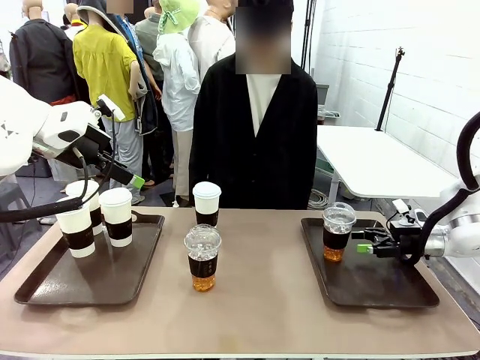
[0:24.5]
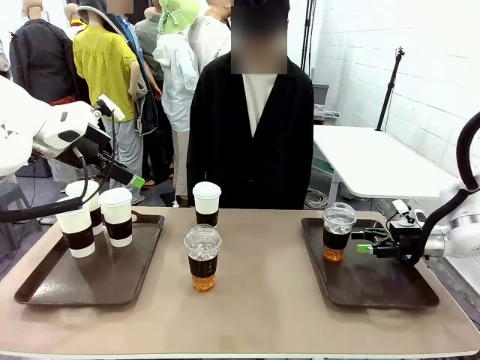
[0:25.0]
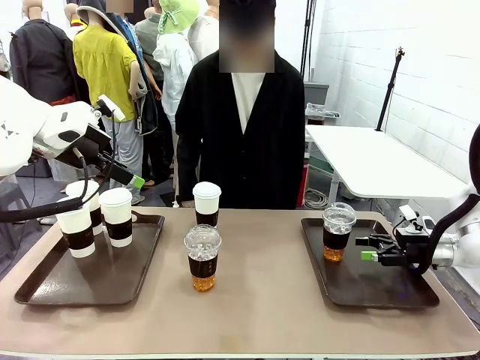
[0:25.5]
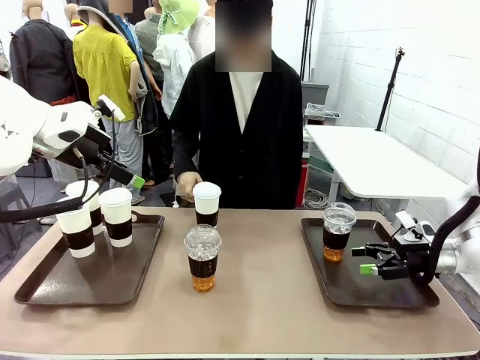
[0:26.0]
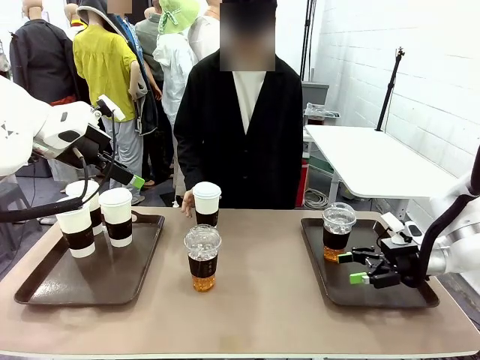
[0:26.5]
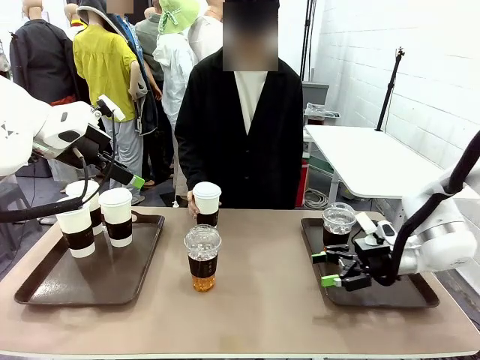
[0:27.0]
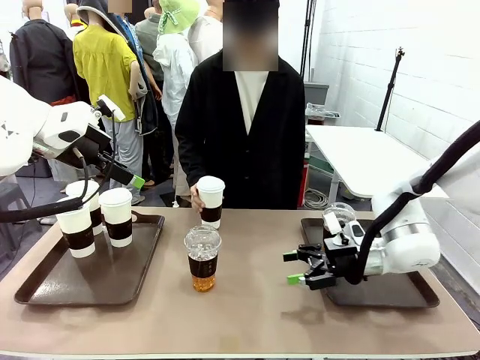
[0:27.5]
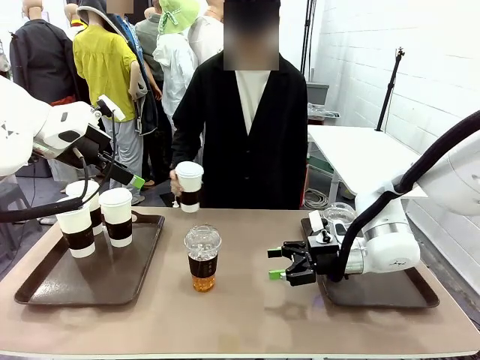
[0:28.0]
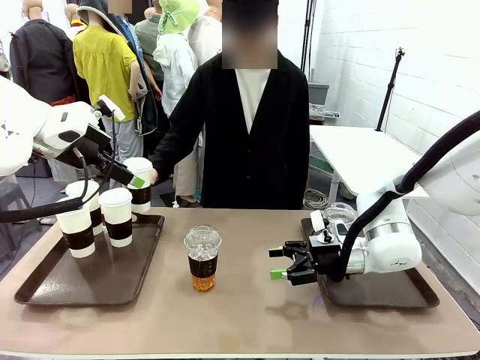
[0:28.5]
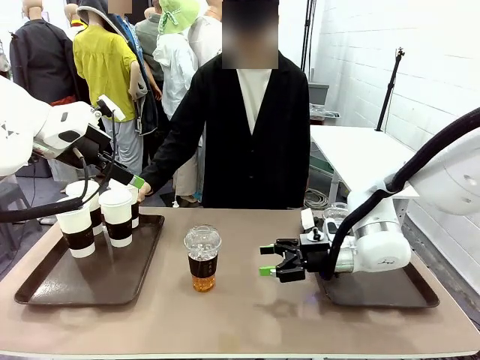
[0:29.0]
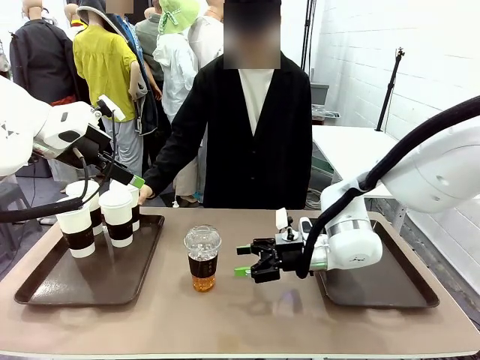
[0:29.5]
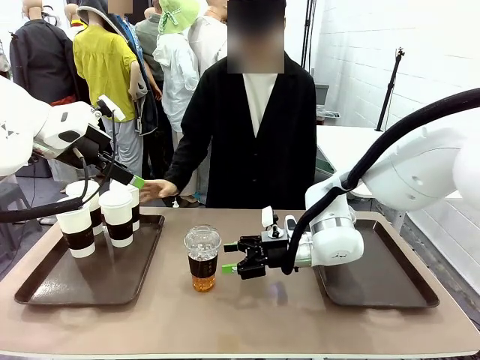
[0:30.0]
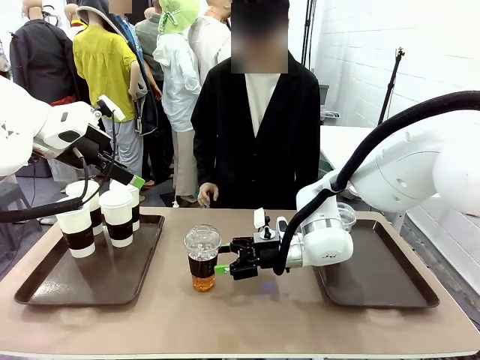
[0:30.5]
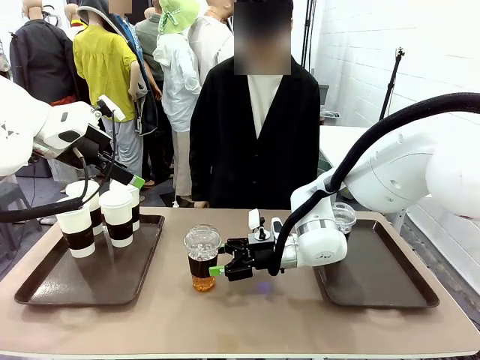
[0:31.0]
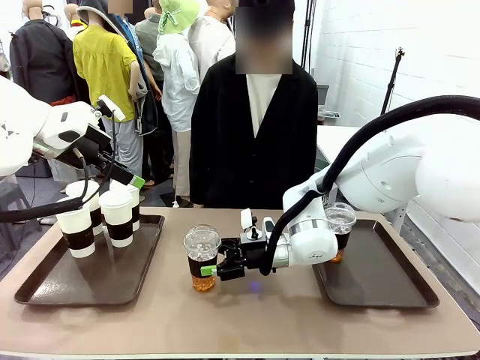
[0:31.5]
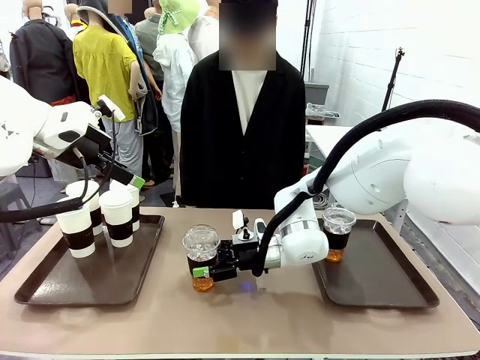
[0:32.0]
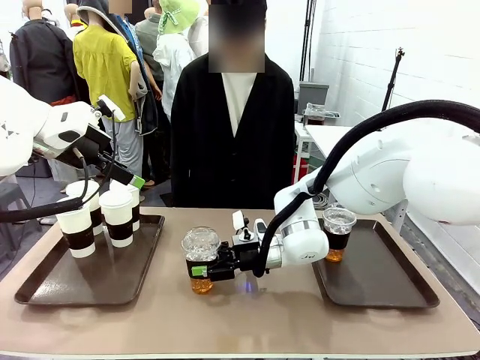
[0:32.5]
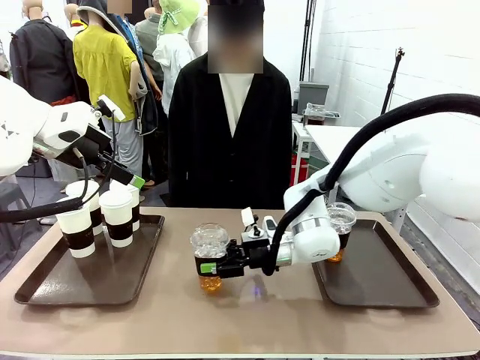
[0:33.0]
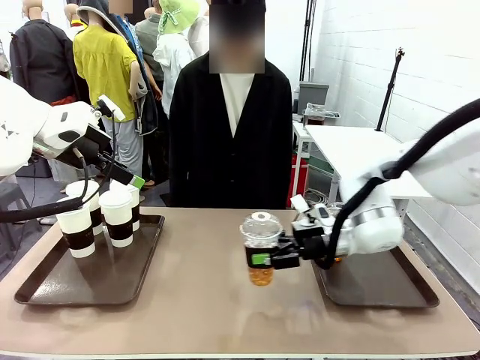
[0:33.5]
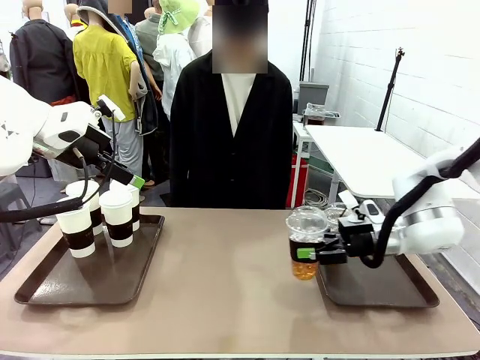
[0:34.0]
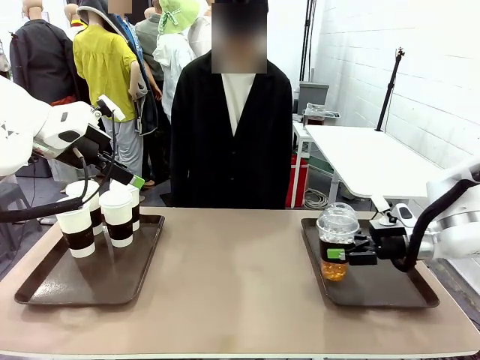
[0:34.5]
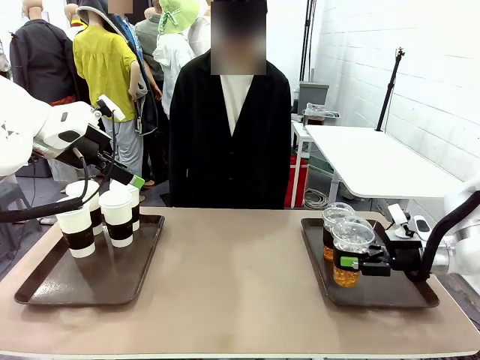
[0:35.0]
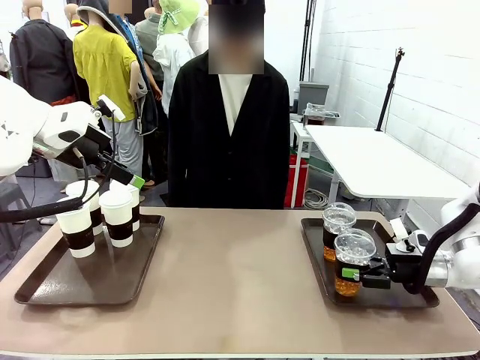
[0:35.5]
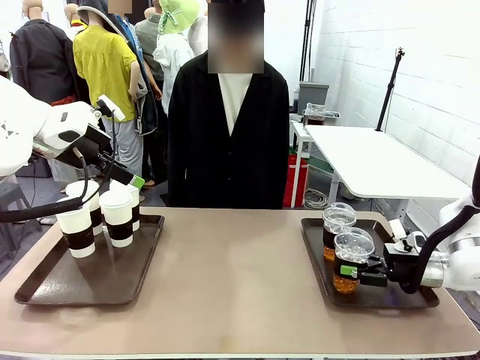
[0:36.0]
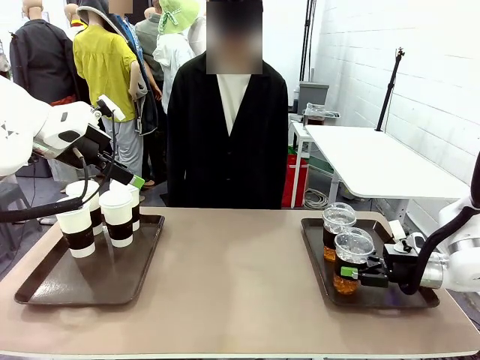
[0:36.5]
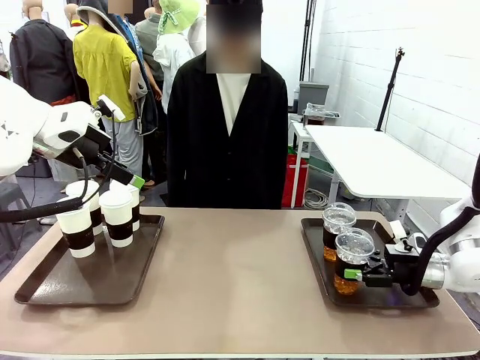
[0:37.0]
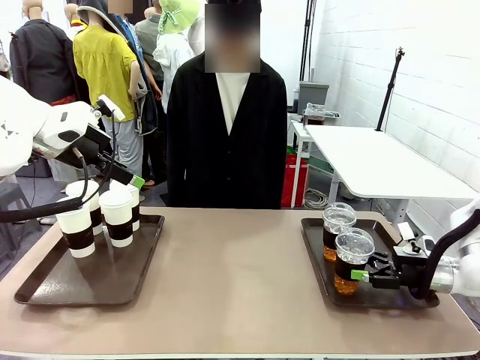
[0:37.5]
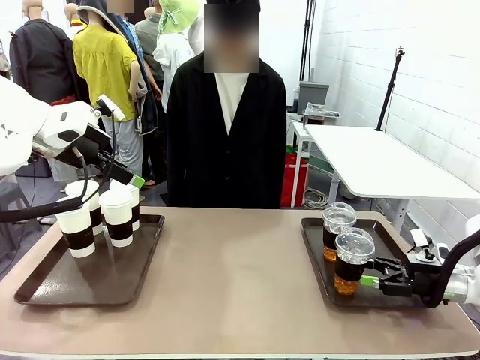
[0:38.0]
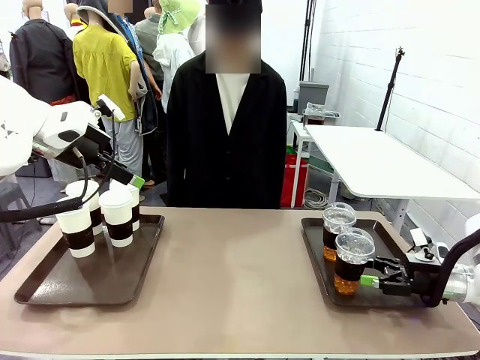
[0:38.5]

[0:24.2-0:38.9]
Task: Distribute the coffee onto the tray.
Robot: Pick up another iced Americano from the middle of the table and place it on the right Handle tray.

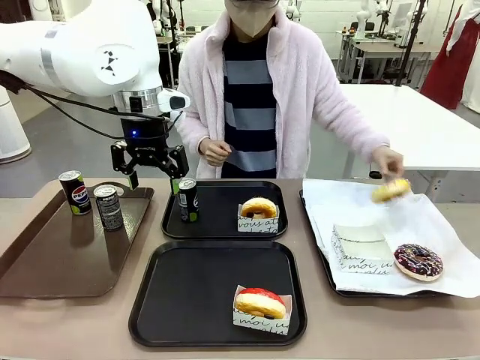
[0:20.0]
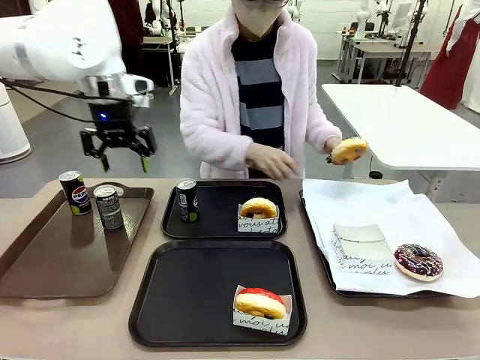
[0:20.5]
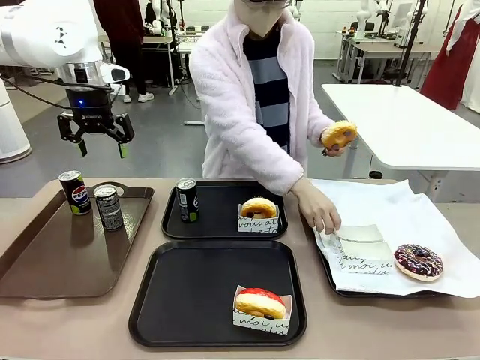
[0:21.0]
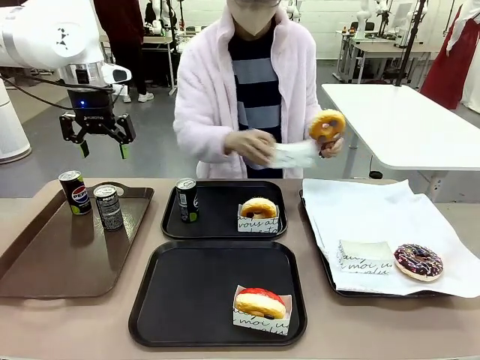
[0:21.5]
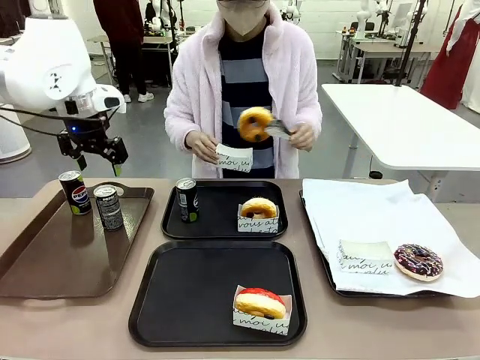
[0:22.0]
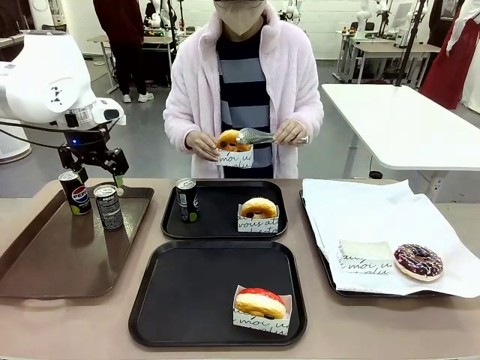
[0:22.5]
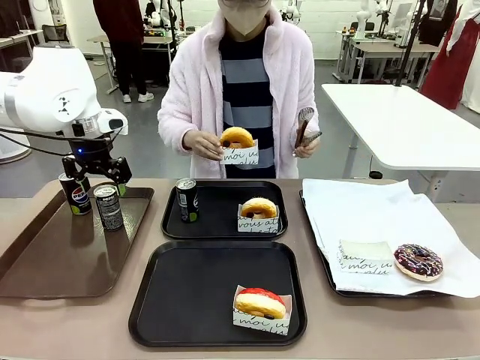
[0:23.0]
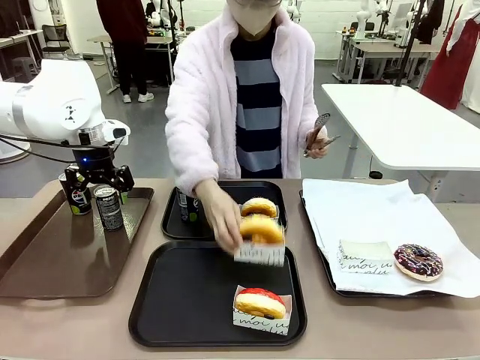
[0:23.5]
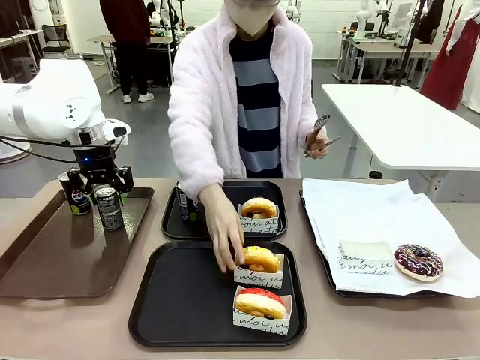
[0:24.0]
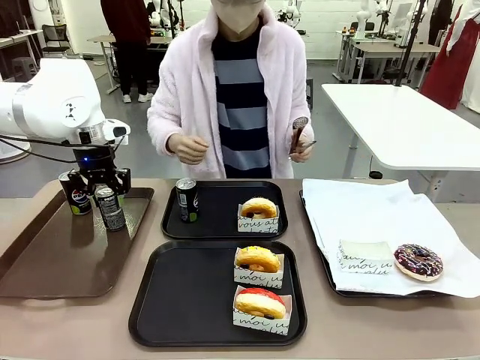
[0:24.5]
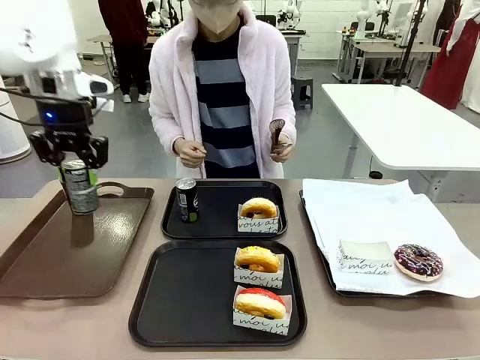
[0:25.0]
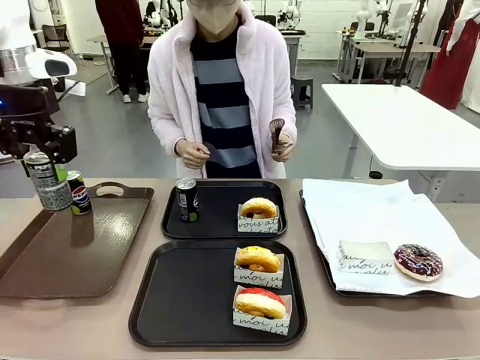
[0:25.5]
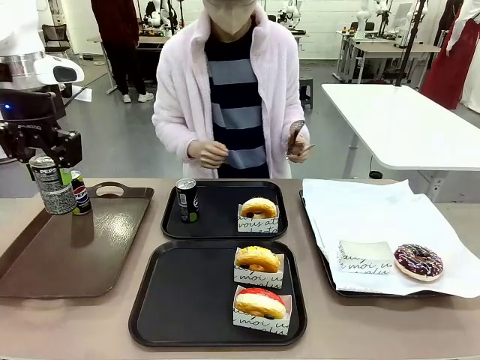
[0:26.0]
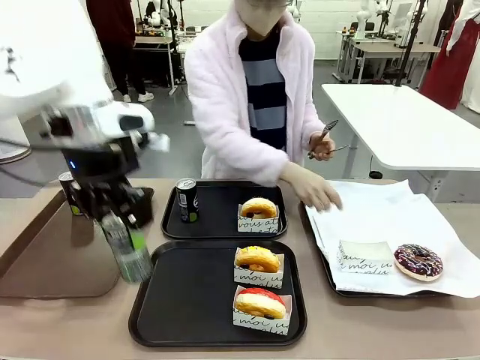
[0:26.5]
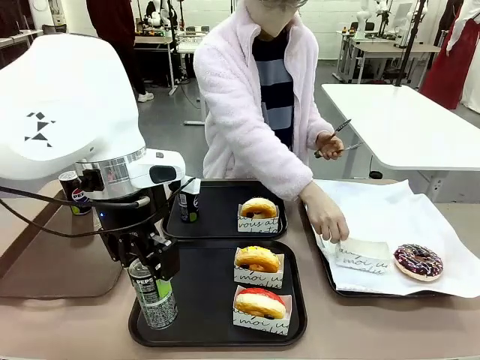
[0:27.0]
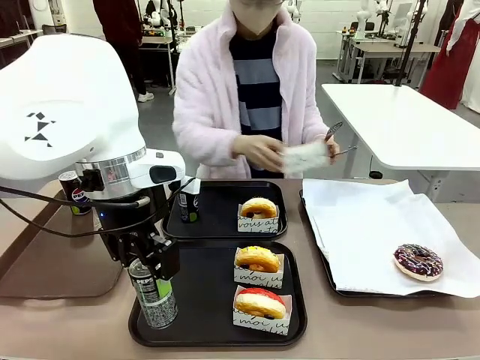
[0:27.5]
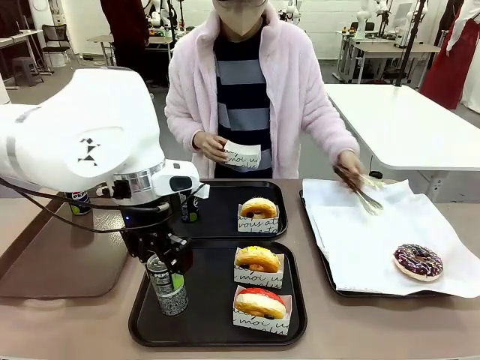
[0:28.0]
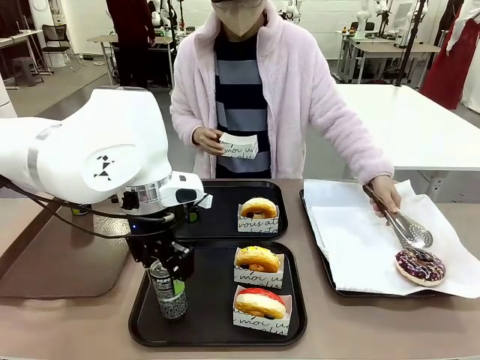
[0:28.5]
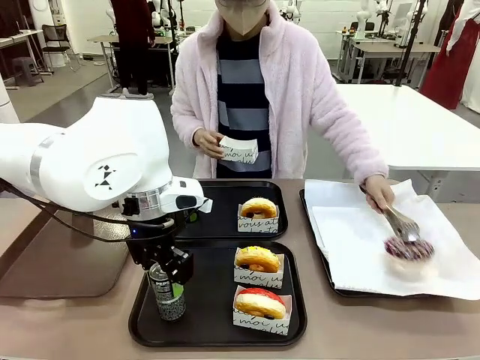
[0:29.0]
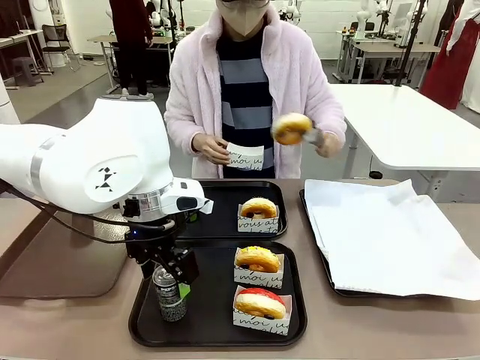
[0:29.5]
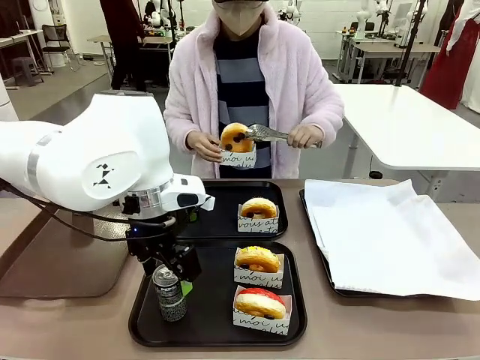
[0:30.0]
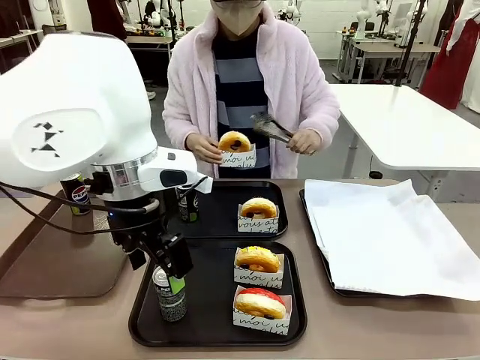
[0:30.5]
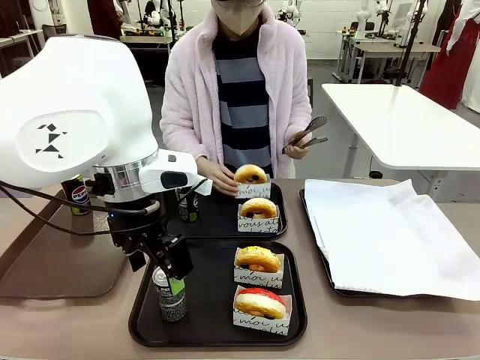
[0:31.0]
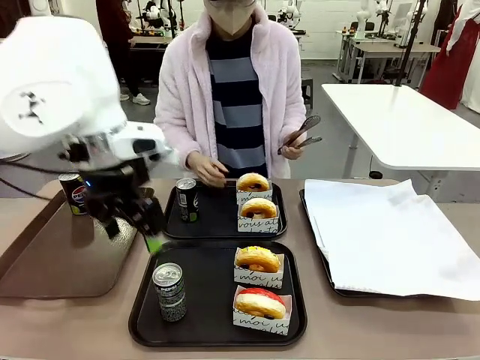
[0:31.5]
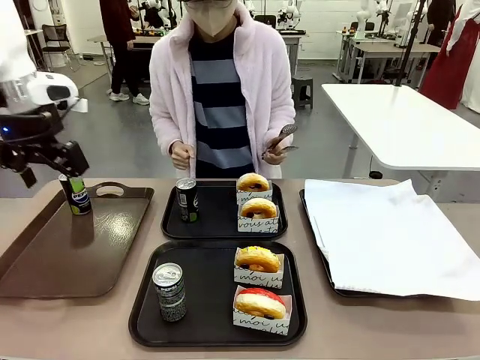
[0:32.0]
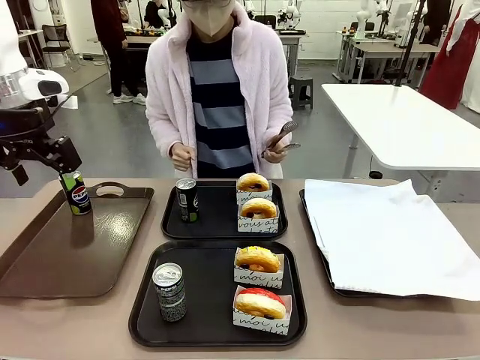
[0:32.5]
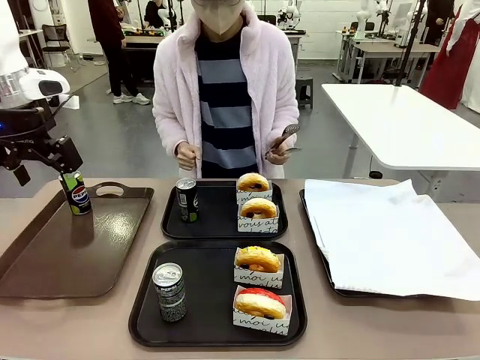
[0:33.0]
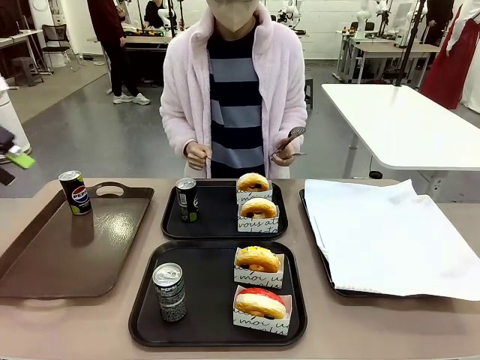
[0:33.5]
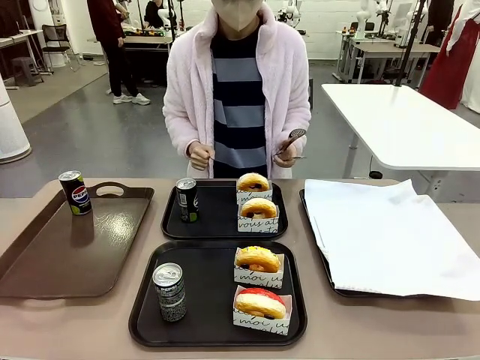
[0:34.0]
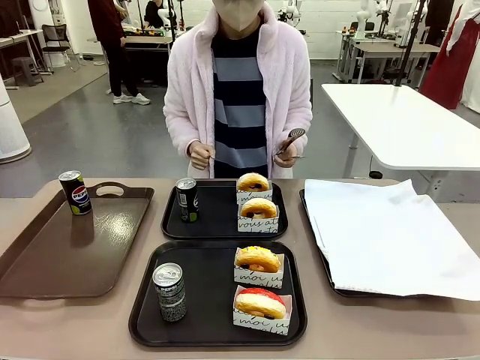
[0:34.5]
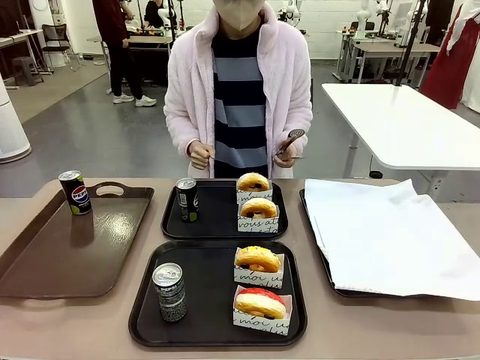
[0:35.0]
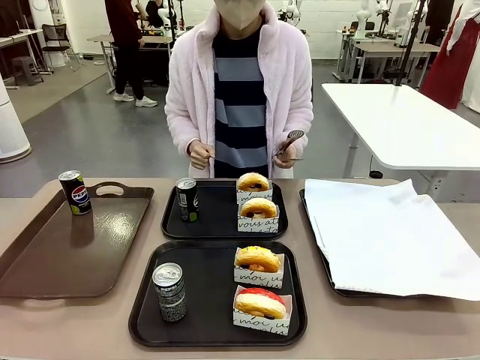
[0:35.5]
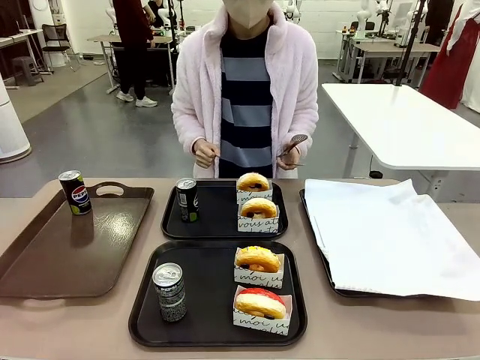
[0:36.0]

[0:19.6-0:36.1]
Task: Set up donuts and drinks on trays.
Robot: Pick up one Pepsi coke from the Handle tray and place it on the Flat Tray without a Pepsi coke.
